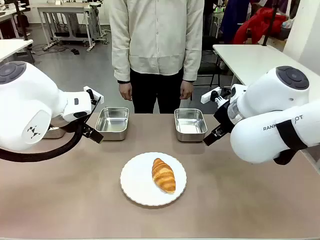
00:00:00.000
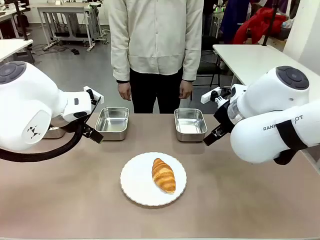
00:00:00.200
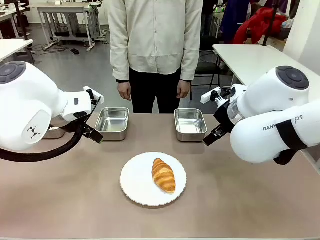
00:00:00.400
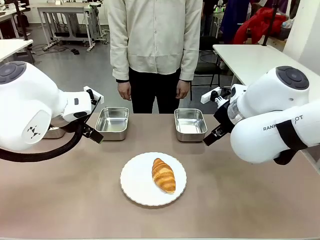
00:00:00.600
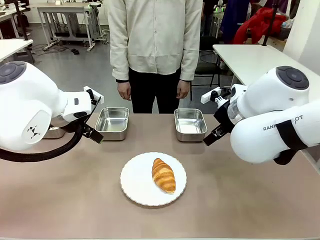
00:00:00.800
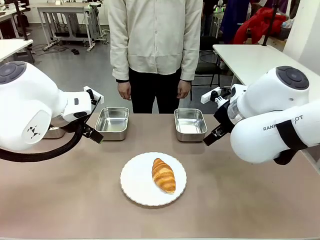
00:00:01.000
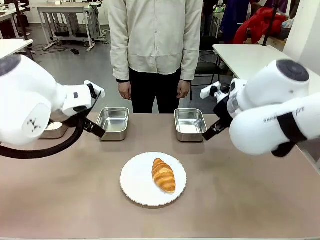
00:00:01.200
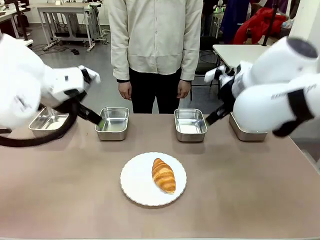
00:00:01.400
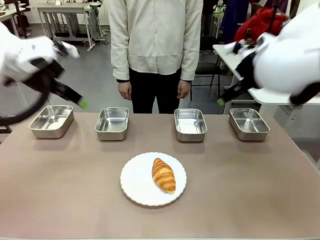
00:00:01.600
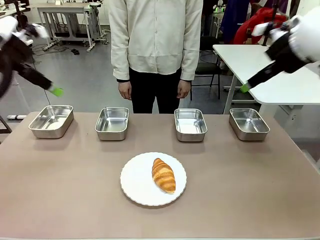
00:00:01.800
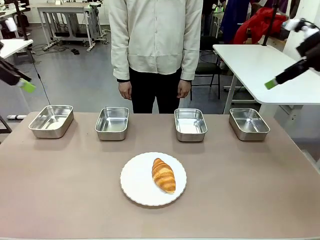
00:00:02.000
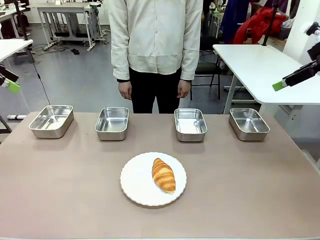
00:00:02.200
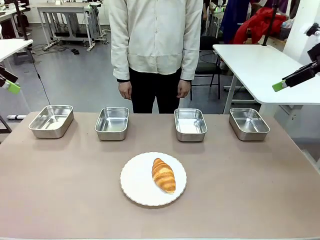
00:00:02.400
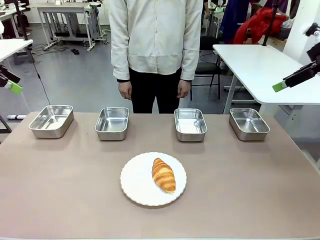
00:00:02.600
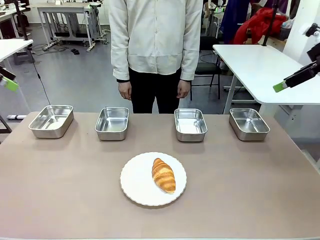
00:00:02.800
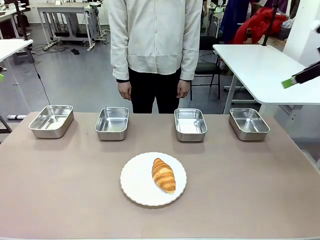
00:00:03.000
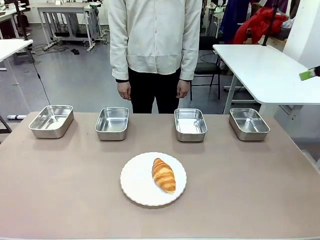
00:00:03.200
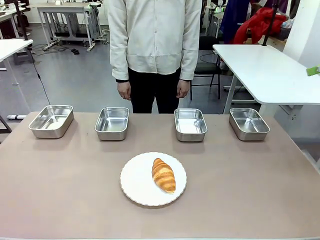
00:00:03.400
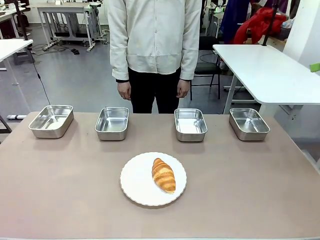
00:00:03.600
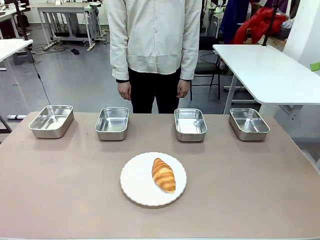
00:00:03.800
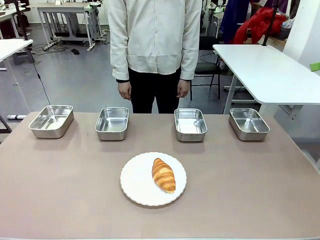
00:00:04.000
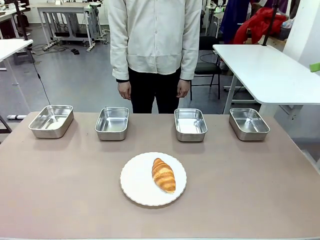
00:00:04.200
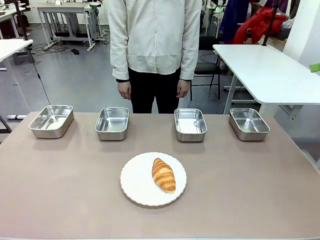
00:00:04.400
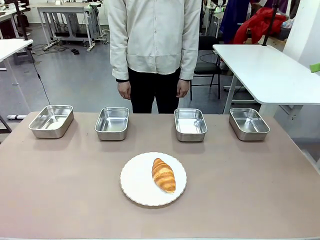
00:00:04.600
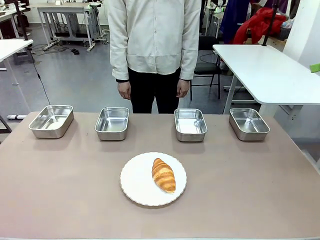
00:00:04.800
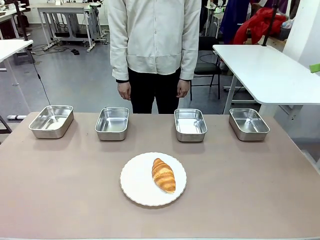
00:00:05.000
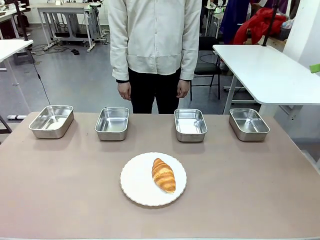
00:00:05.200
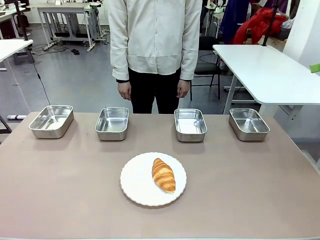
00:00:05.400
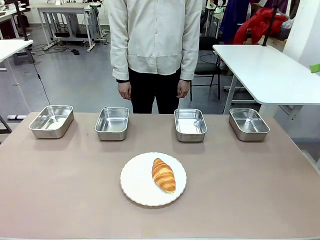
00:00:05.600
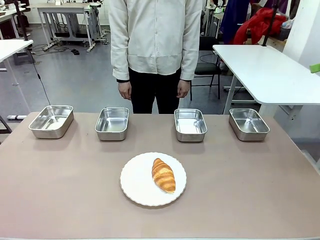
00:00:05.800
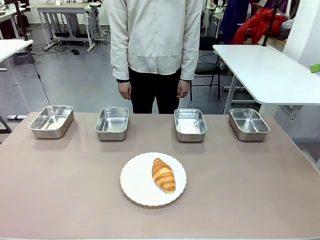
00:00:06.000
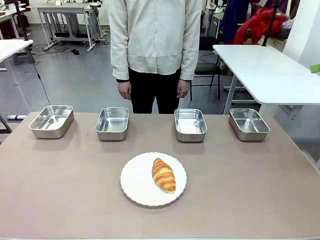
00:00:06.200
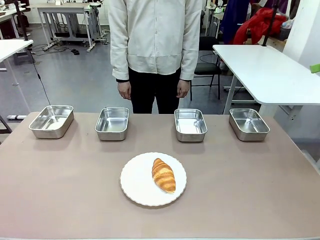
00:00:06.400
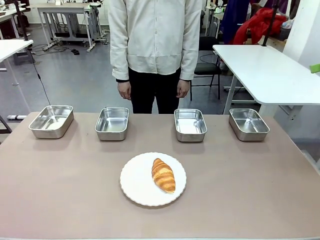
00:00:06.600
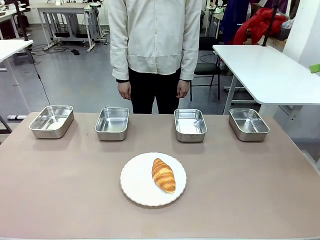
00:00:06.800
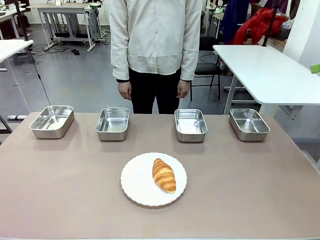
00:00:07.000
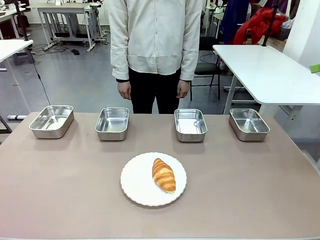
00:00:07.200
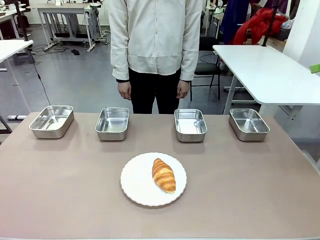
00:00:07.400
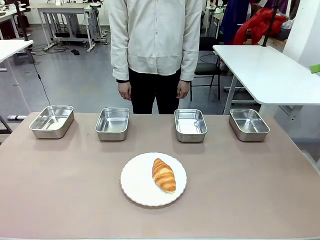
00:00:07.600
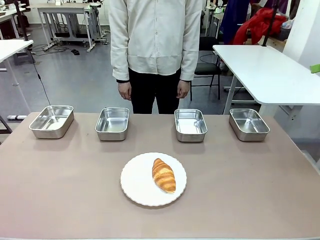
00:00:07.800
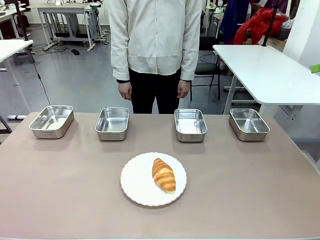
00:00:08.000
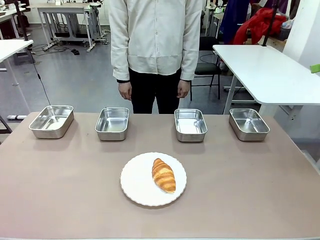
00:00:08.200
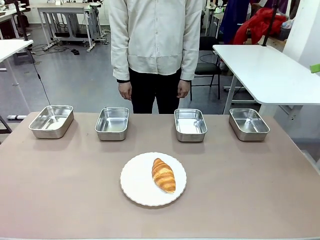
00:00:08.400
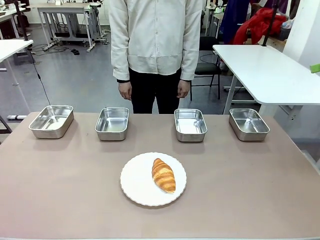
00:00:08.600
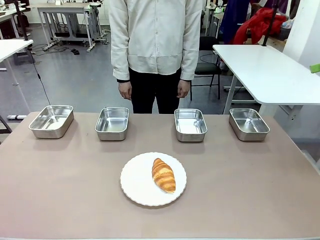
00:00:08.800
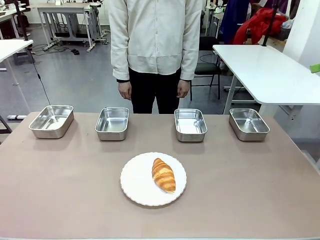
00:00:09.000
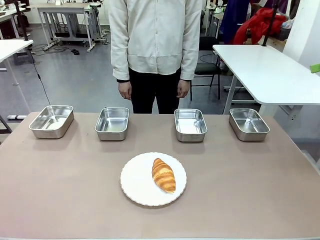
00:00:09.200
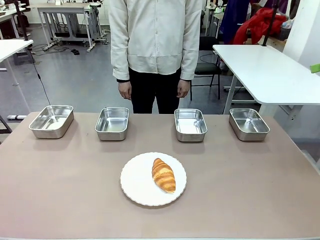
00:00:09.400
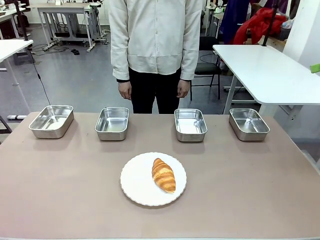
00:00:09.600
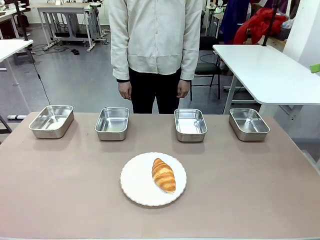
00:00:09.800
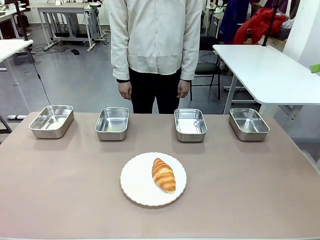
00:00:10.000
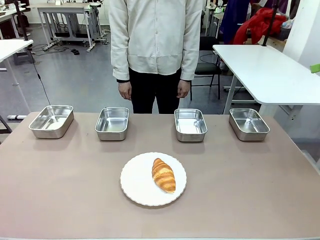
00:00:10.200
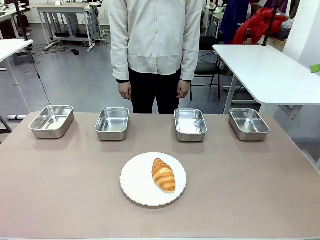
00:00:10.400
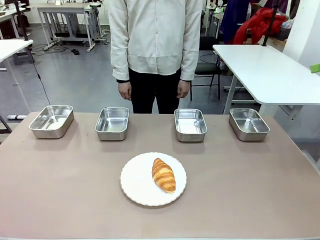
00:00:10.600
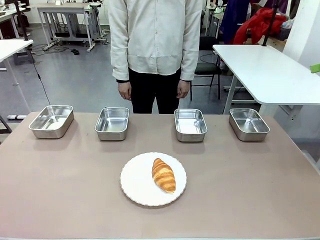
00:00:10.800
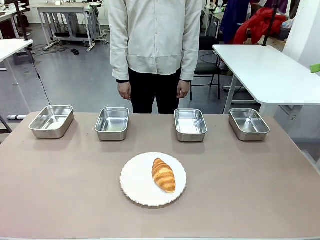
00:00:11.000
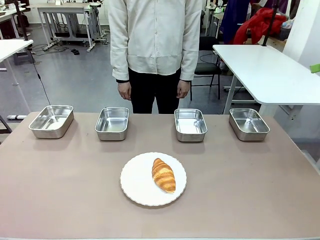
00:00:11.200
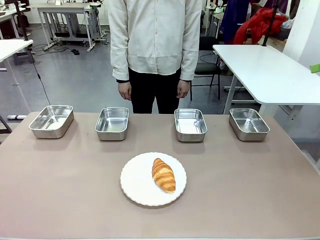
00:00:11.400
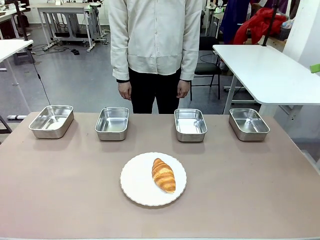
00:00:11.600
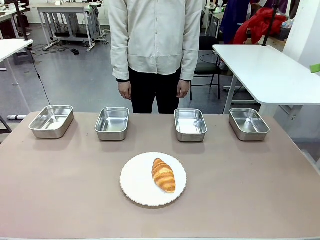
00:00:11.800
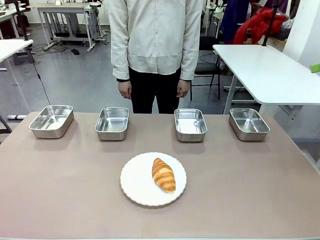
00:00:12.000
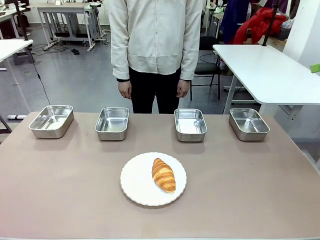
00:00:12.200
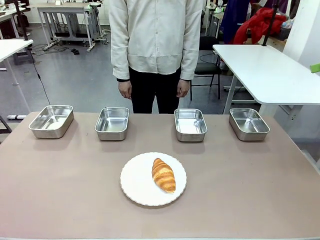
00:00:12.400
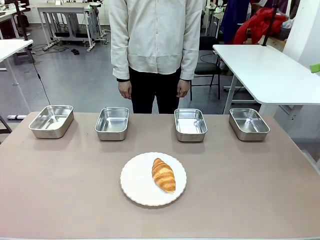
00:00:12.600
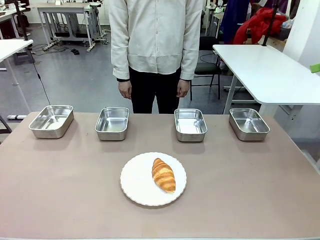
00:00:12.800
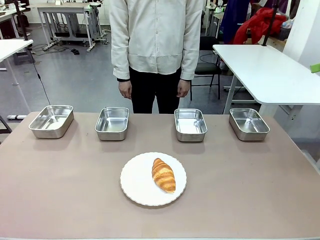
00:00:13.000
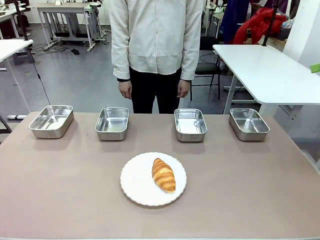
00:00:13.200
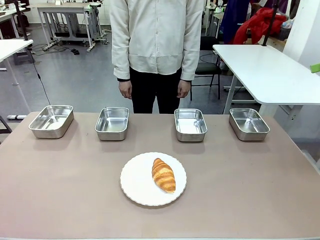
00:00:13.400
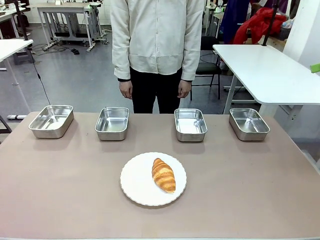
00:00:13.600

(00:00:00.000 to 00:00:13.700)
Task: Place the bread in the container.
Robot: Place the Butter Roll into the Airtight Container indicated by the human.
